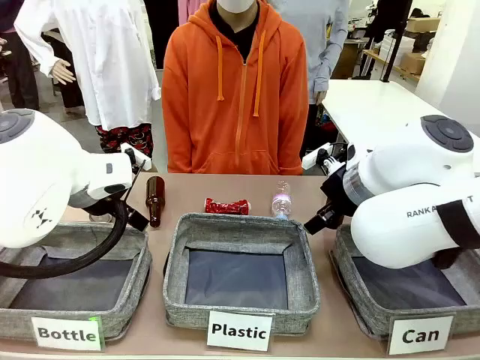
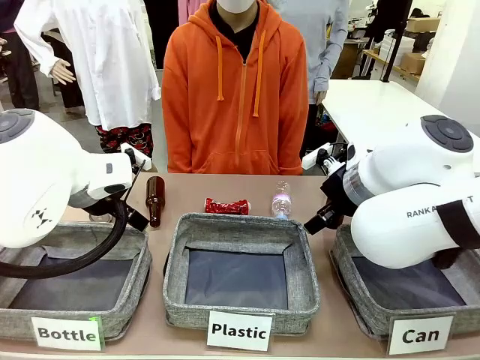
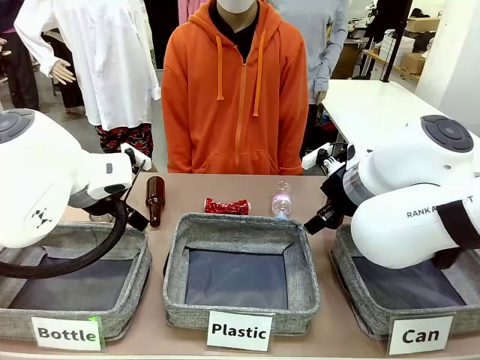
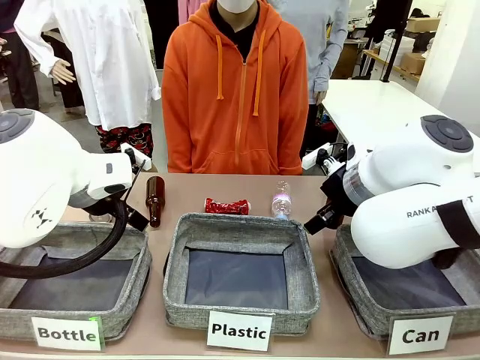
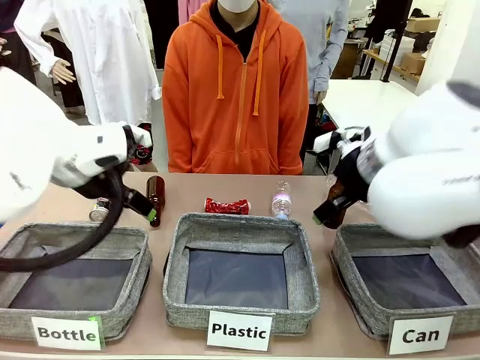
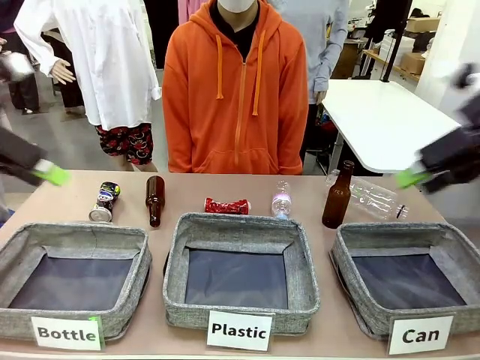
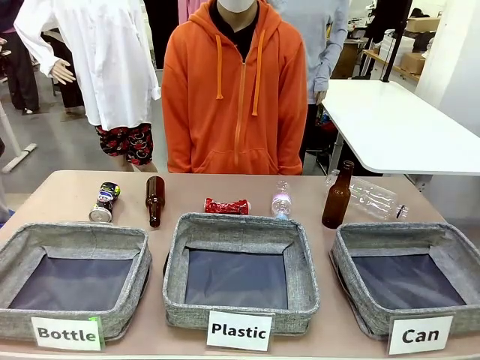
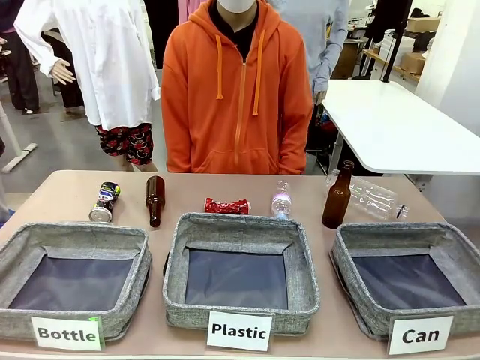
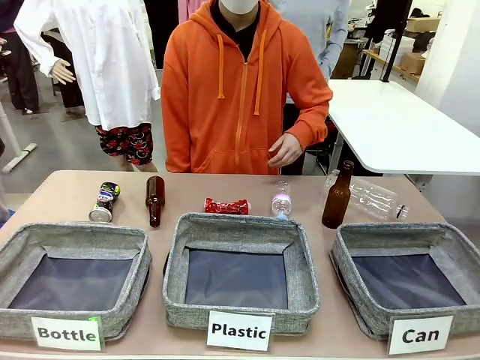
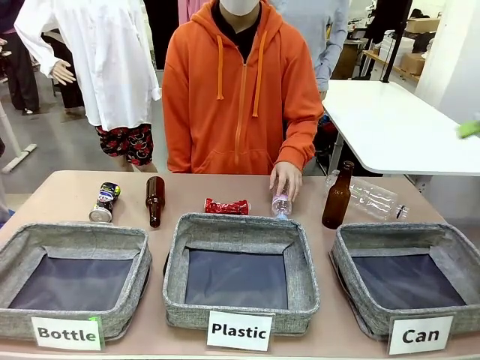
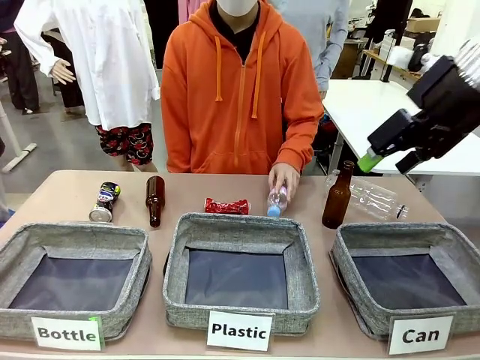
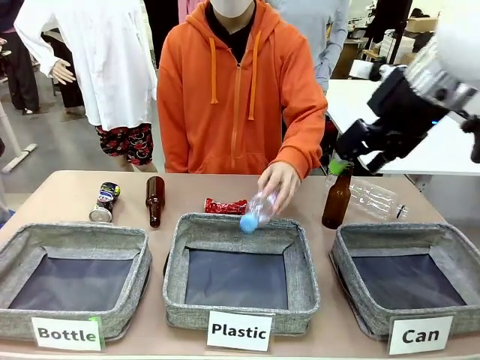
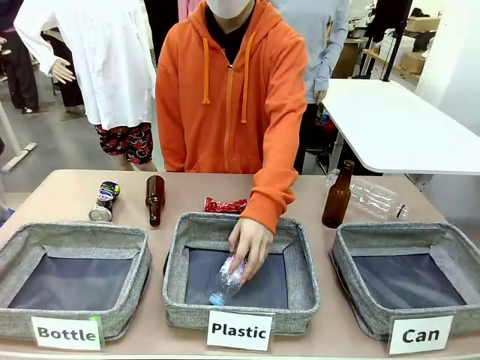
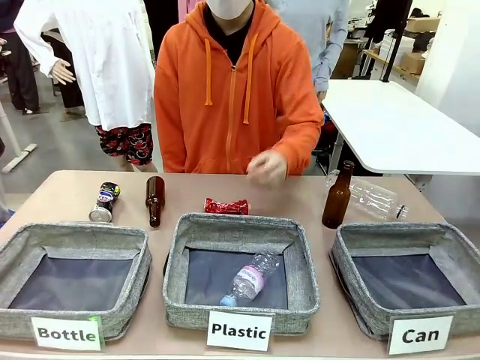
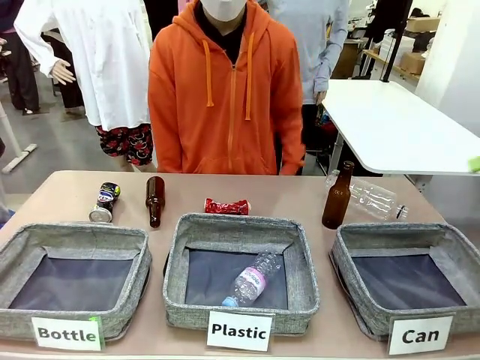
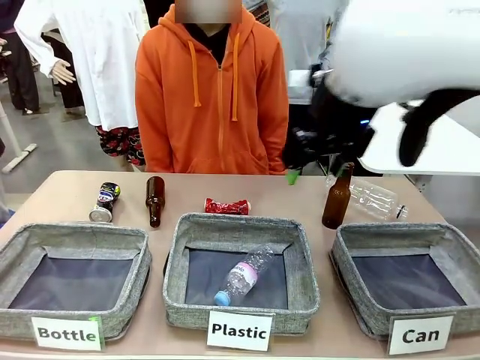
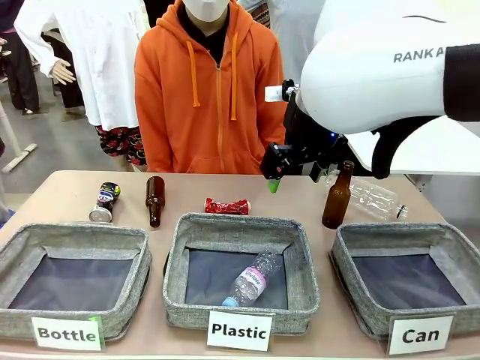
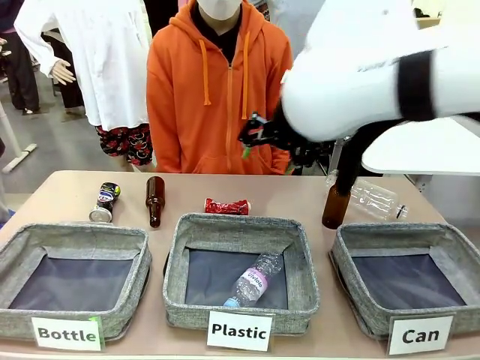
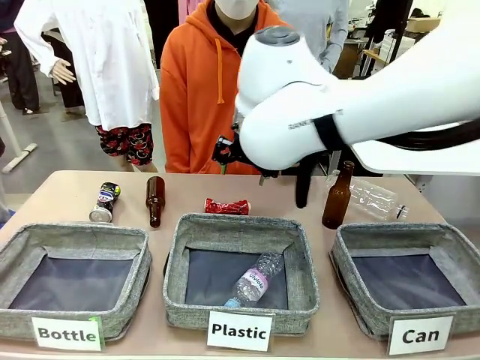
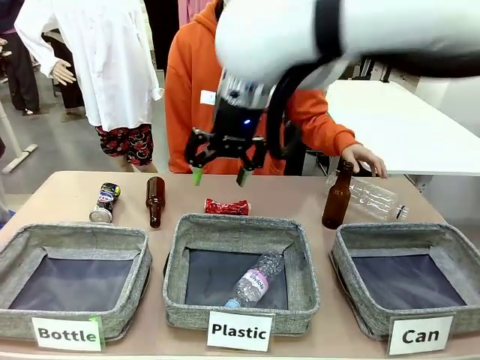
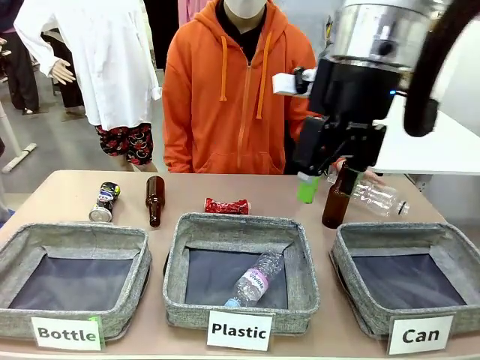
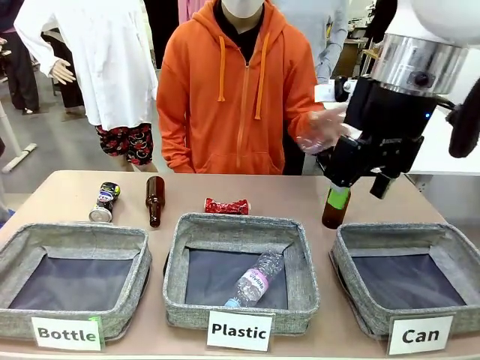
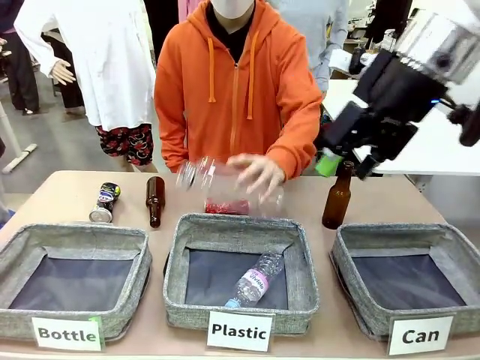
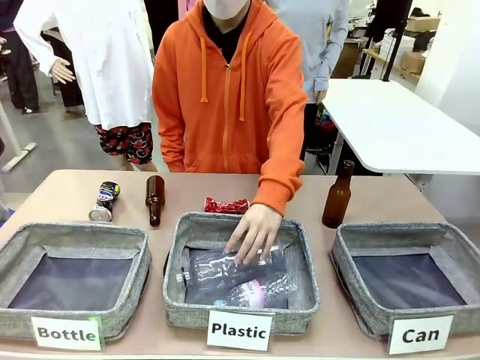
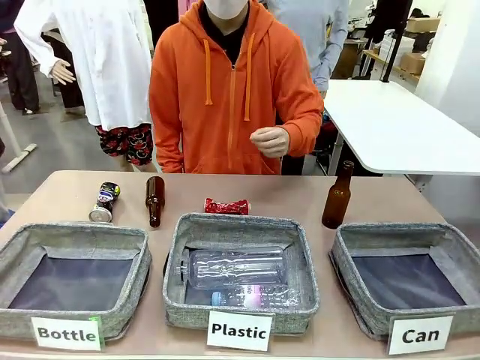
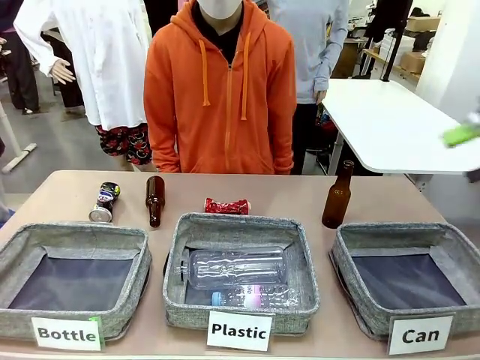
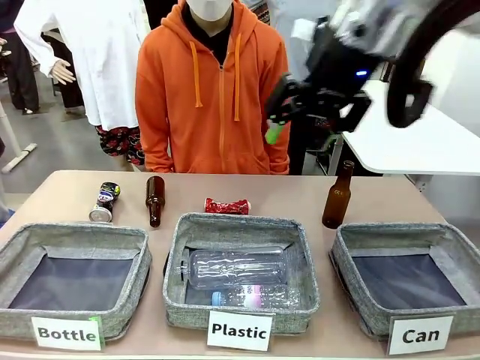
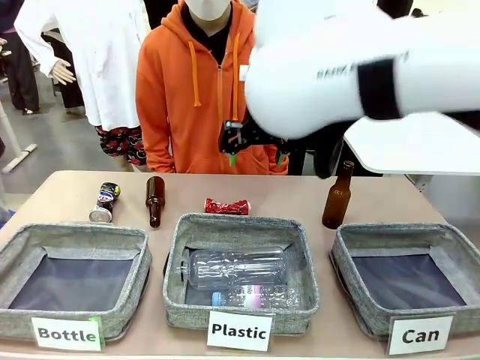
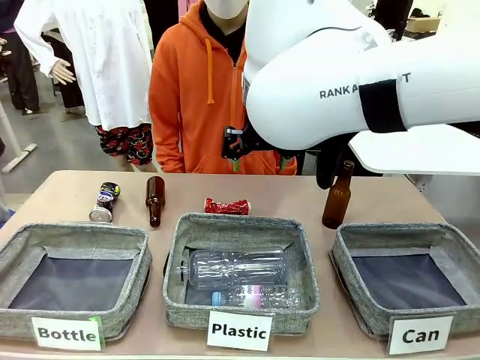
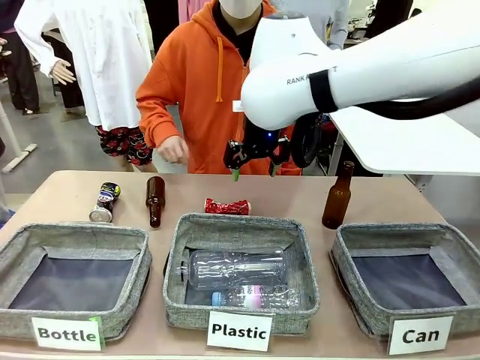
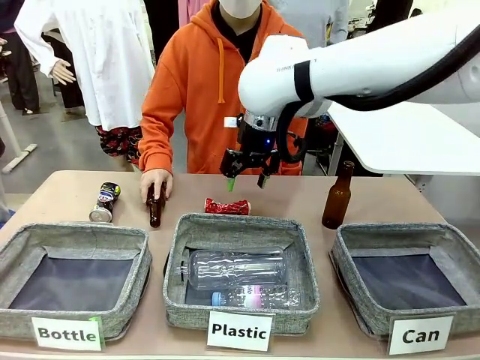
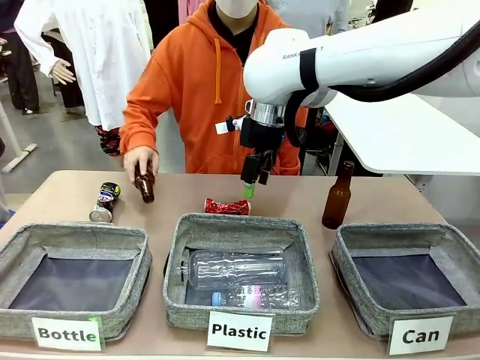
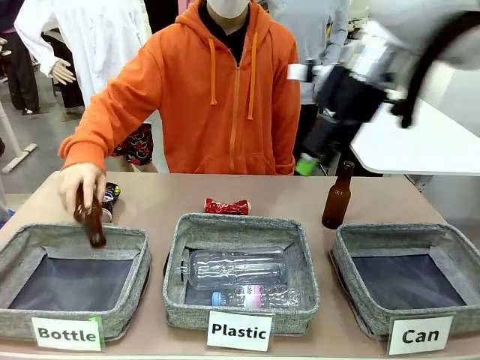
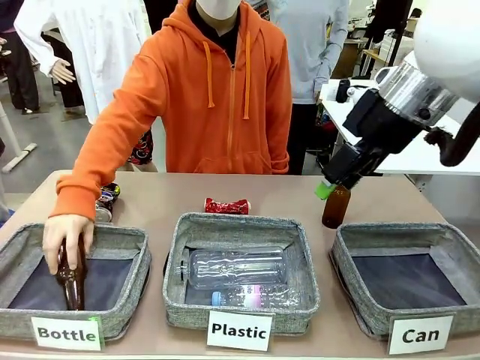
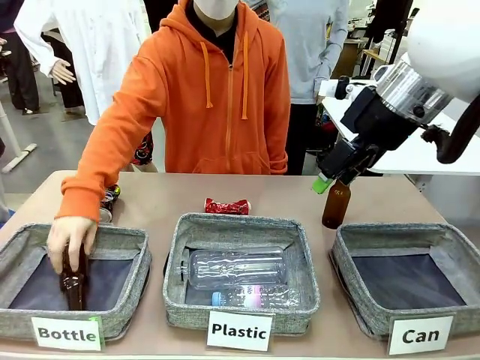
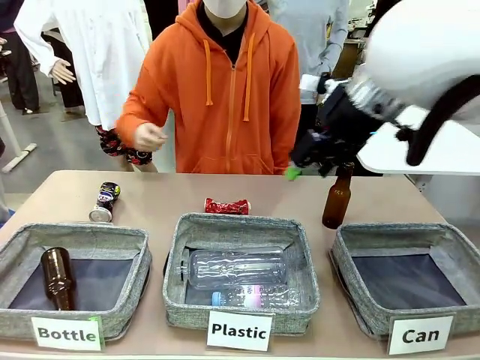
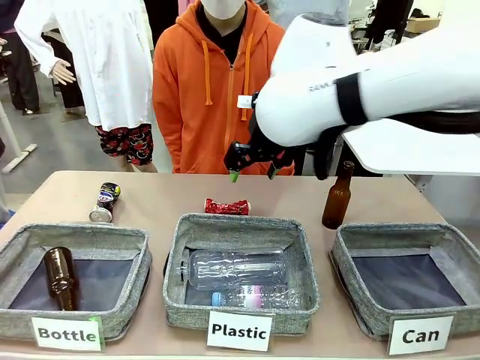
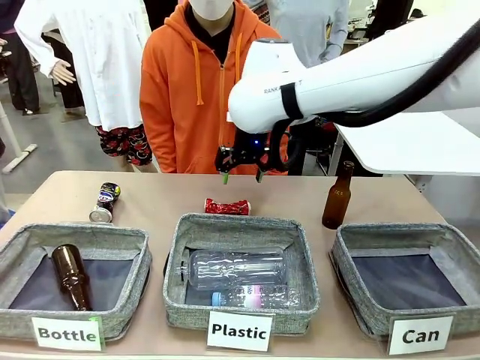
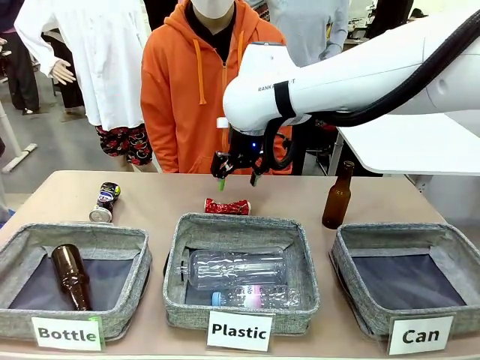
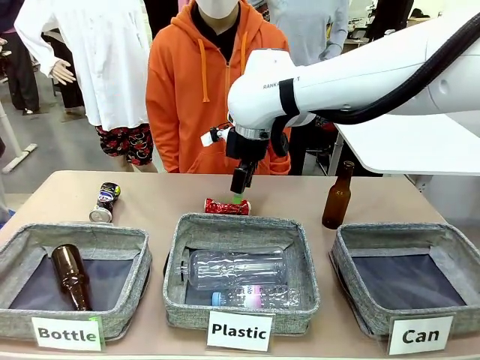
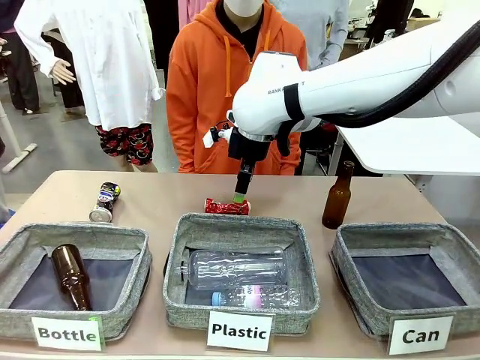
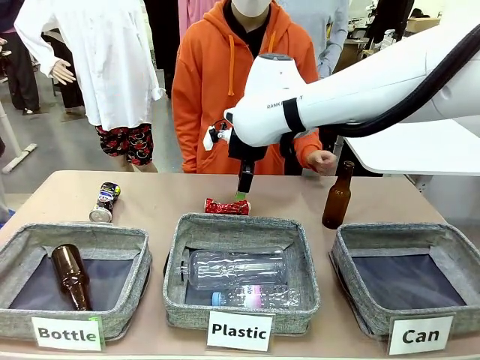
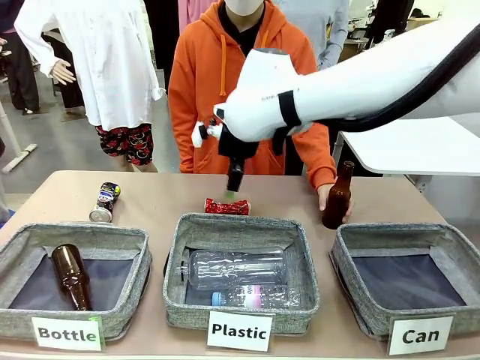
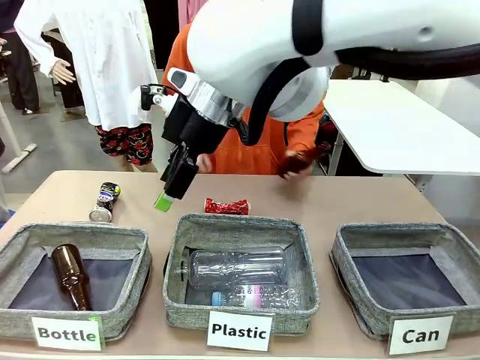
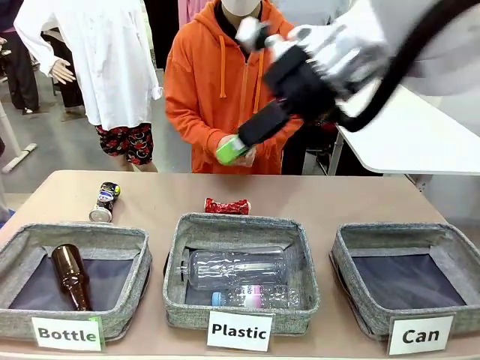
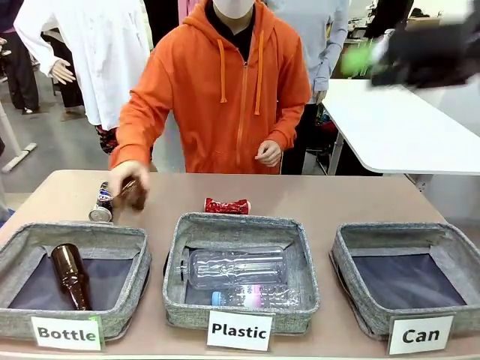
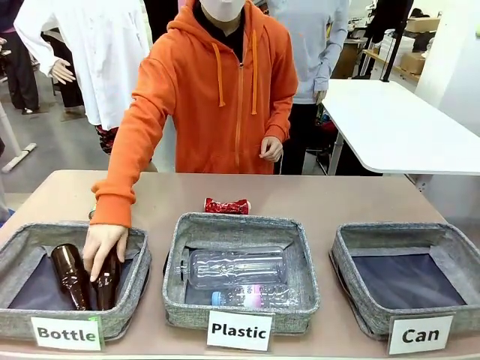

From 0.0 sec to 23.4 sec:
Task: Sort the can waste into the basket.
Robot: Pick up the can waste from the table and place it in the right Fabric basket.
